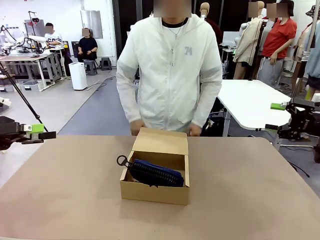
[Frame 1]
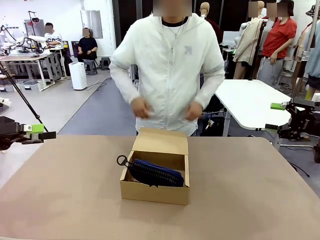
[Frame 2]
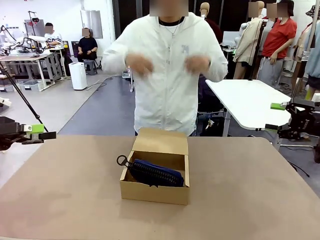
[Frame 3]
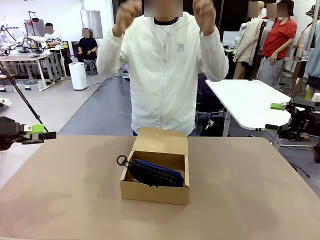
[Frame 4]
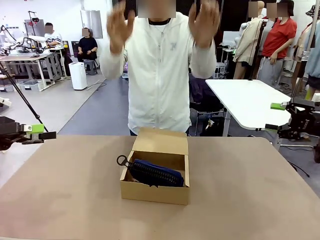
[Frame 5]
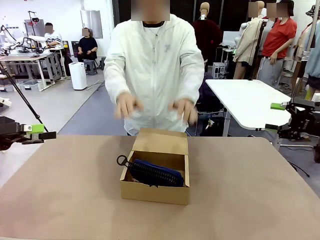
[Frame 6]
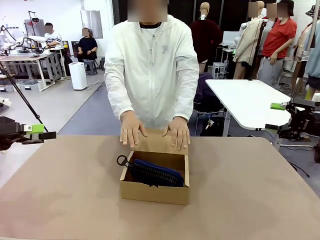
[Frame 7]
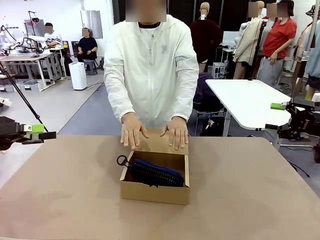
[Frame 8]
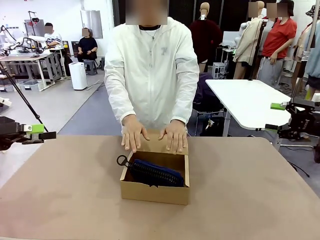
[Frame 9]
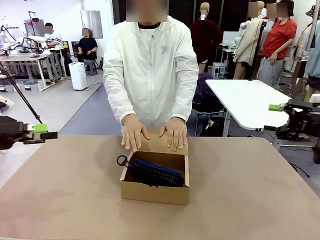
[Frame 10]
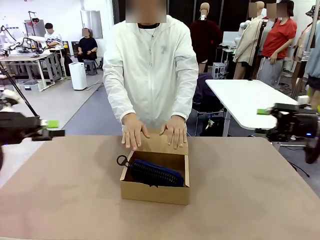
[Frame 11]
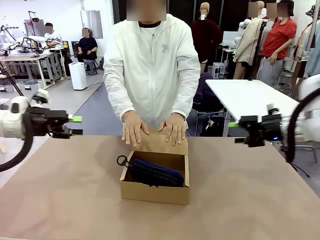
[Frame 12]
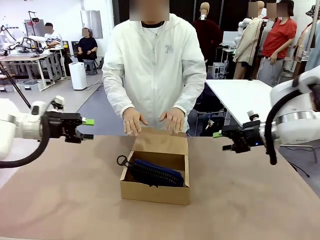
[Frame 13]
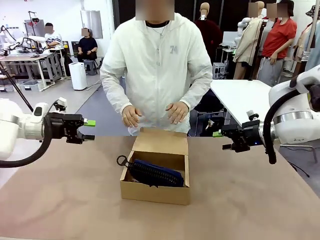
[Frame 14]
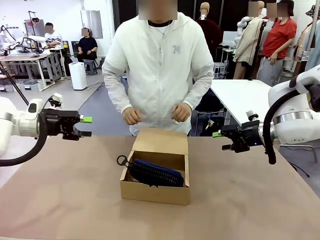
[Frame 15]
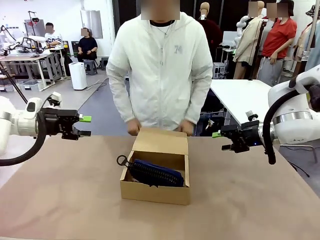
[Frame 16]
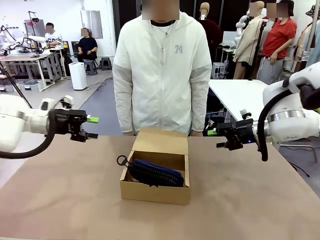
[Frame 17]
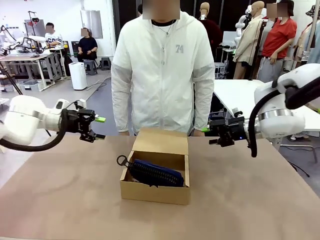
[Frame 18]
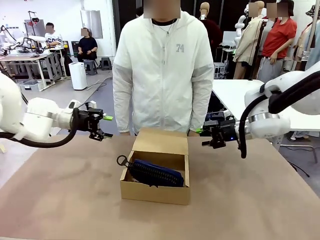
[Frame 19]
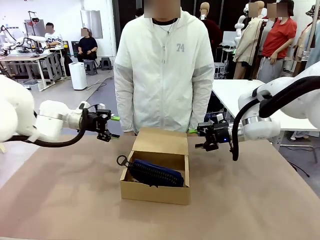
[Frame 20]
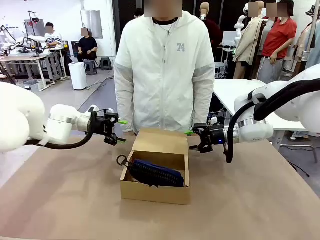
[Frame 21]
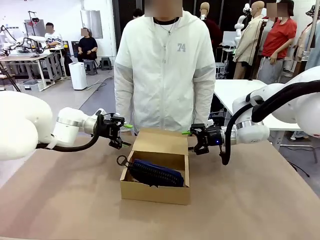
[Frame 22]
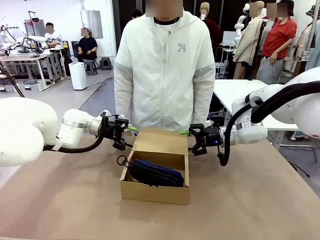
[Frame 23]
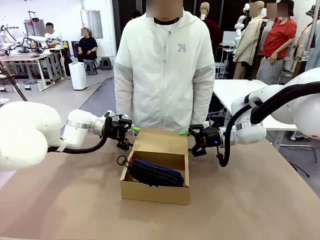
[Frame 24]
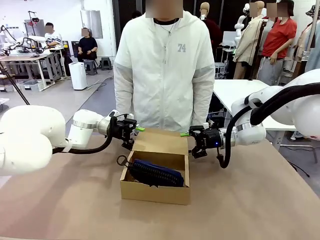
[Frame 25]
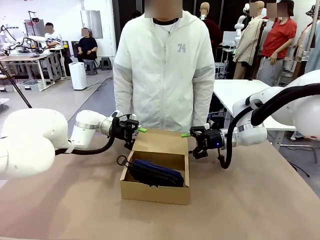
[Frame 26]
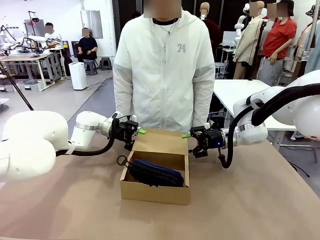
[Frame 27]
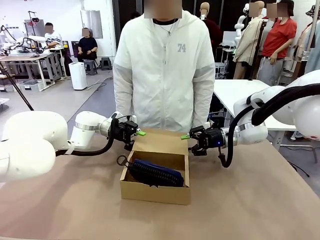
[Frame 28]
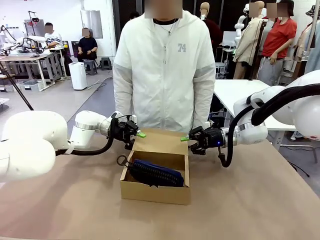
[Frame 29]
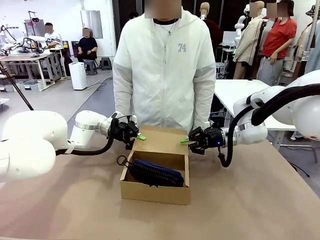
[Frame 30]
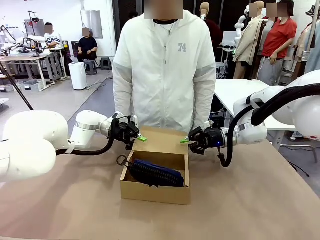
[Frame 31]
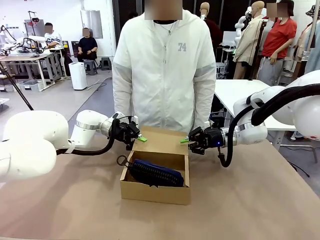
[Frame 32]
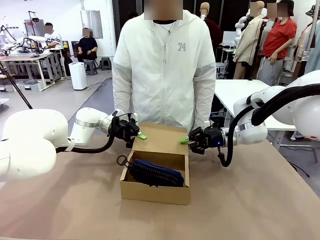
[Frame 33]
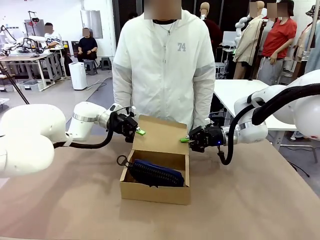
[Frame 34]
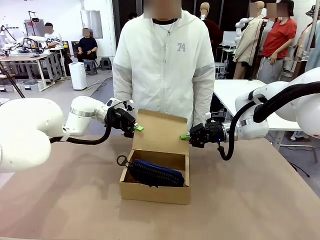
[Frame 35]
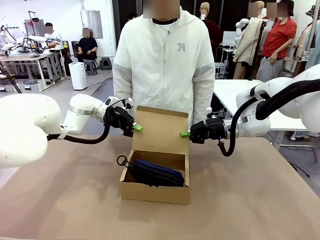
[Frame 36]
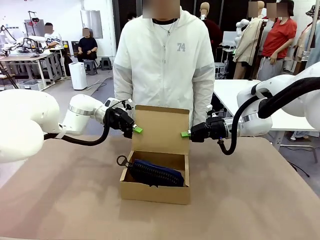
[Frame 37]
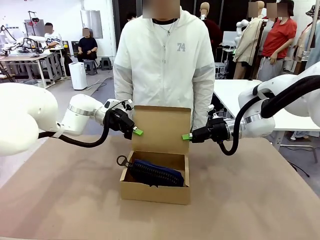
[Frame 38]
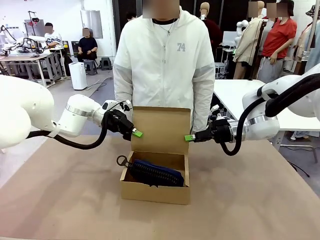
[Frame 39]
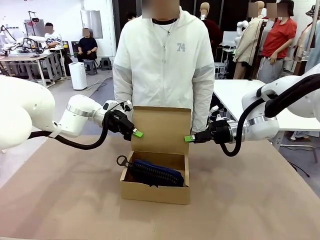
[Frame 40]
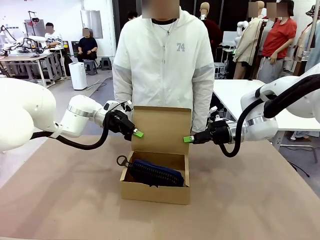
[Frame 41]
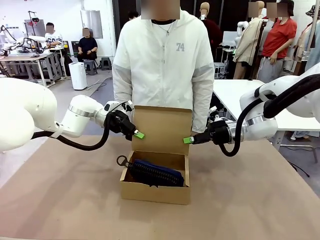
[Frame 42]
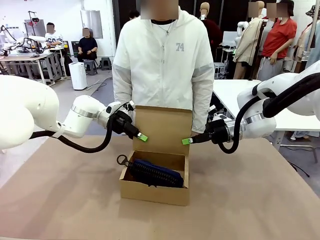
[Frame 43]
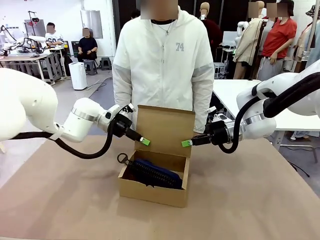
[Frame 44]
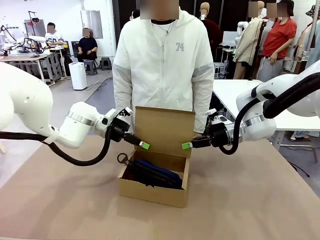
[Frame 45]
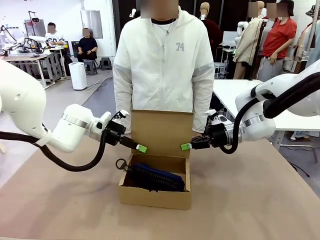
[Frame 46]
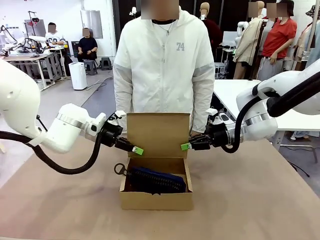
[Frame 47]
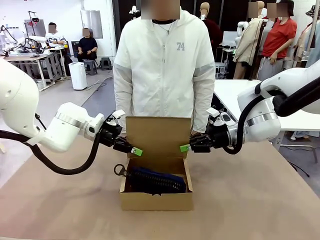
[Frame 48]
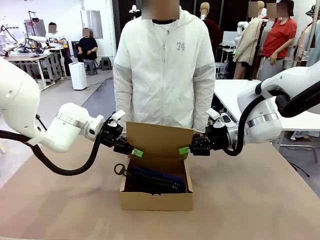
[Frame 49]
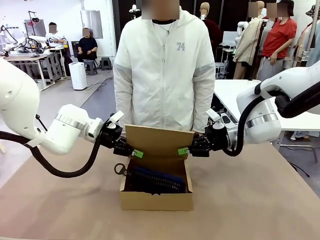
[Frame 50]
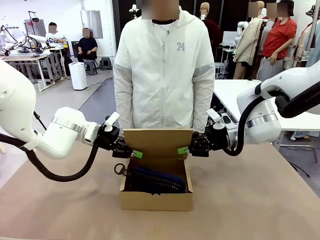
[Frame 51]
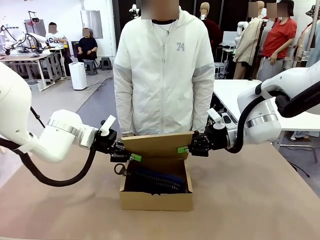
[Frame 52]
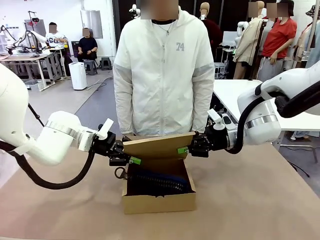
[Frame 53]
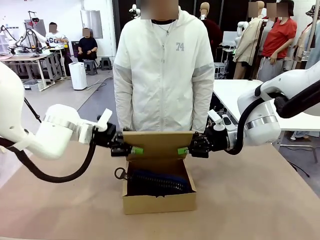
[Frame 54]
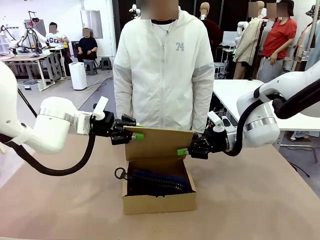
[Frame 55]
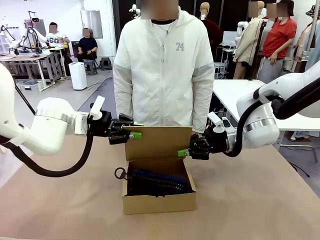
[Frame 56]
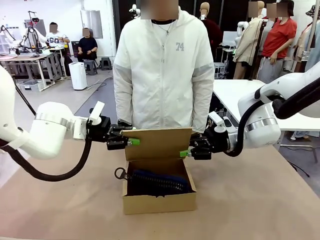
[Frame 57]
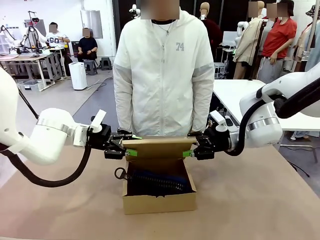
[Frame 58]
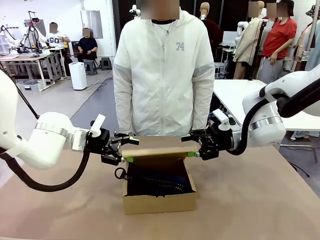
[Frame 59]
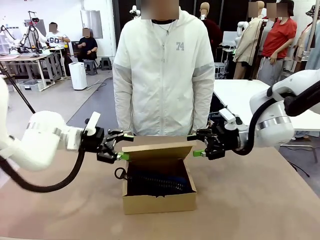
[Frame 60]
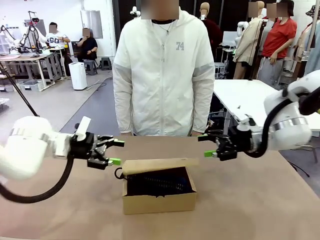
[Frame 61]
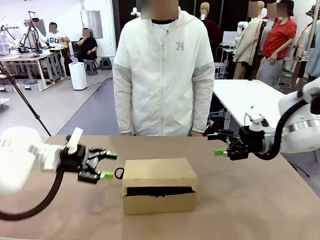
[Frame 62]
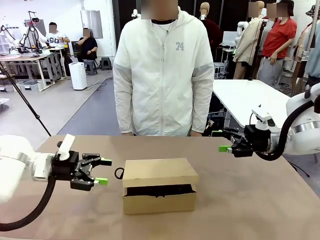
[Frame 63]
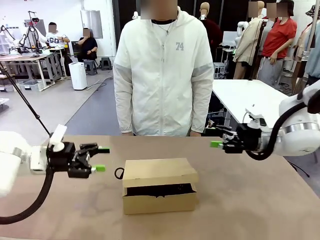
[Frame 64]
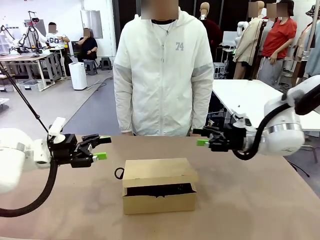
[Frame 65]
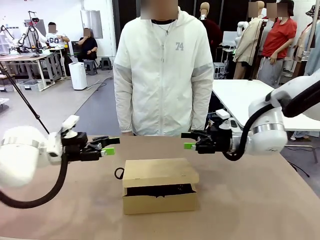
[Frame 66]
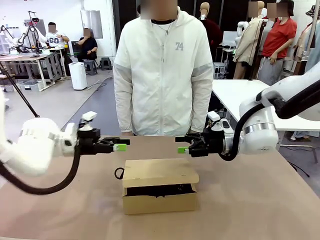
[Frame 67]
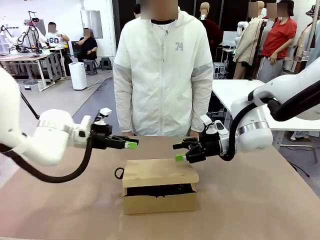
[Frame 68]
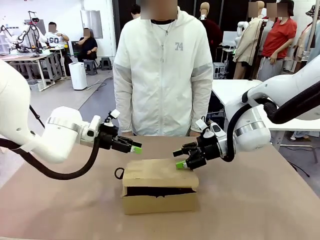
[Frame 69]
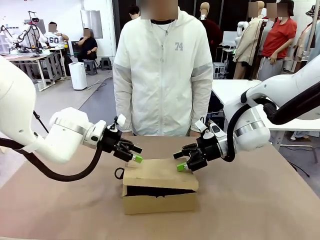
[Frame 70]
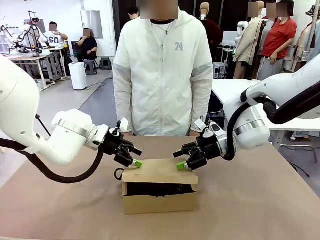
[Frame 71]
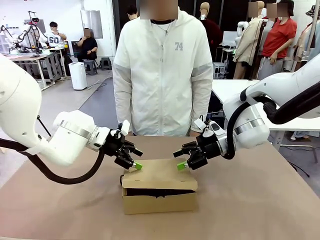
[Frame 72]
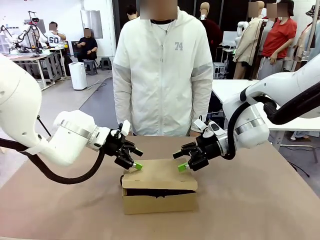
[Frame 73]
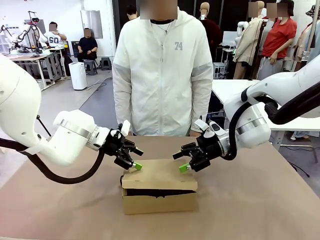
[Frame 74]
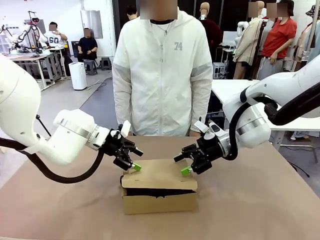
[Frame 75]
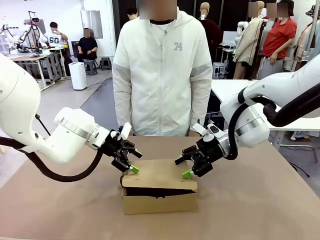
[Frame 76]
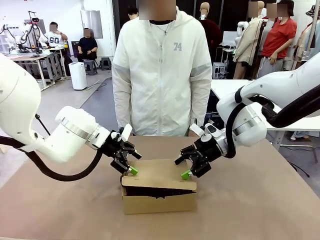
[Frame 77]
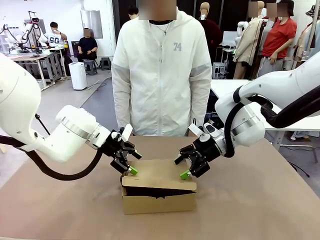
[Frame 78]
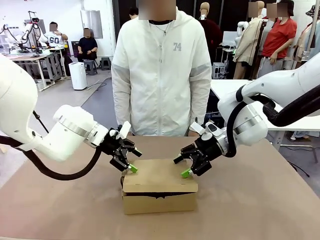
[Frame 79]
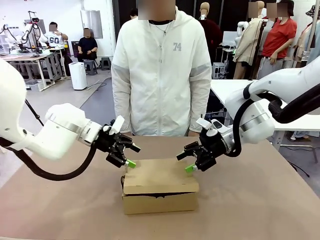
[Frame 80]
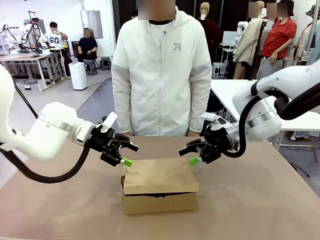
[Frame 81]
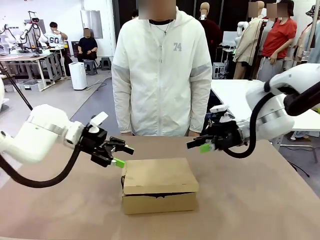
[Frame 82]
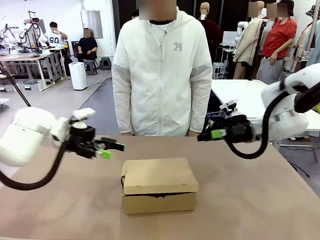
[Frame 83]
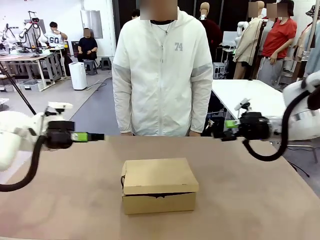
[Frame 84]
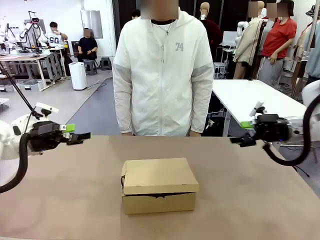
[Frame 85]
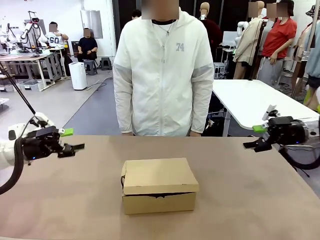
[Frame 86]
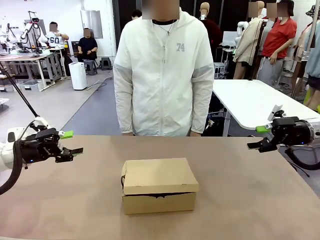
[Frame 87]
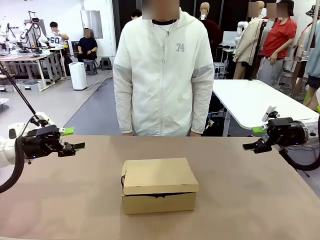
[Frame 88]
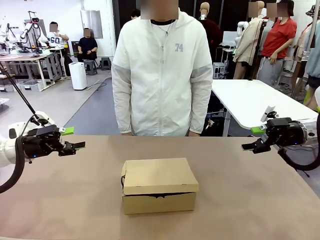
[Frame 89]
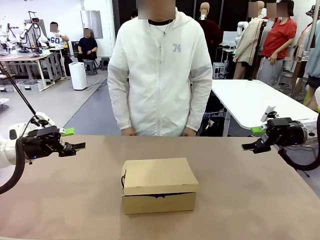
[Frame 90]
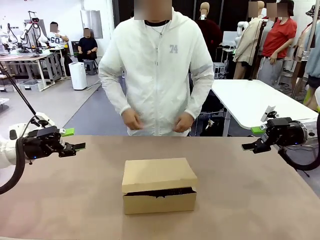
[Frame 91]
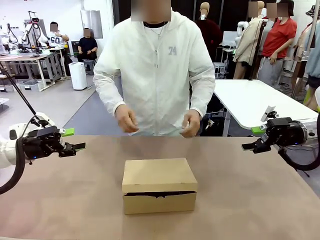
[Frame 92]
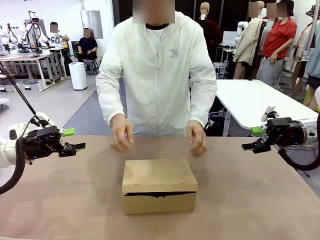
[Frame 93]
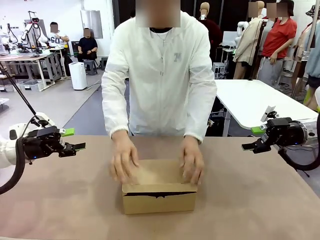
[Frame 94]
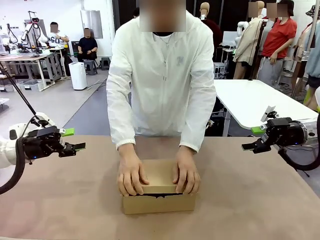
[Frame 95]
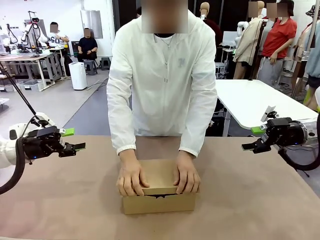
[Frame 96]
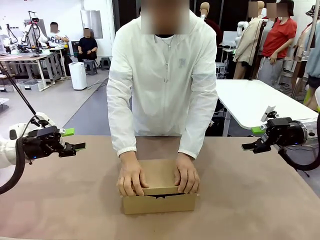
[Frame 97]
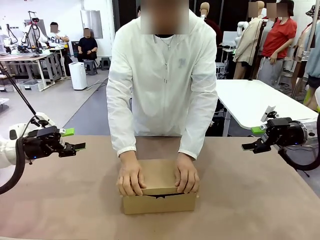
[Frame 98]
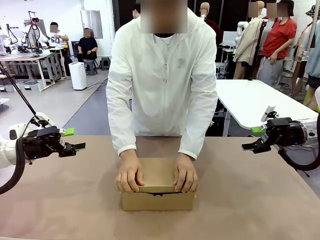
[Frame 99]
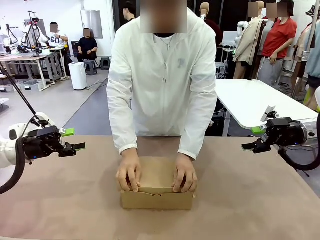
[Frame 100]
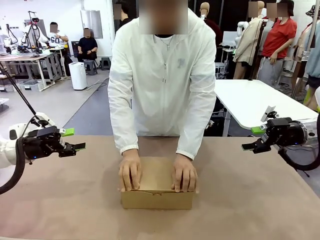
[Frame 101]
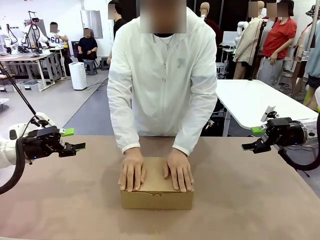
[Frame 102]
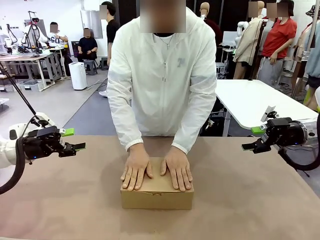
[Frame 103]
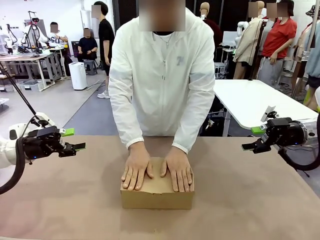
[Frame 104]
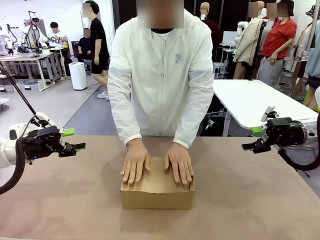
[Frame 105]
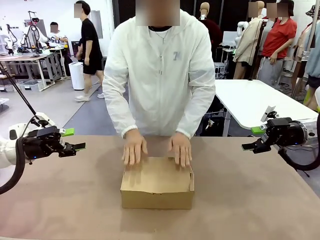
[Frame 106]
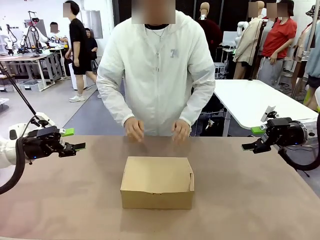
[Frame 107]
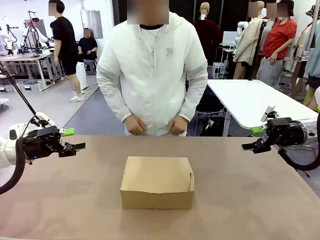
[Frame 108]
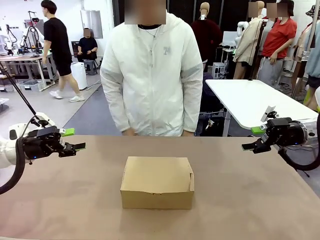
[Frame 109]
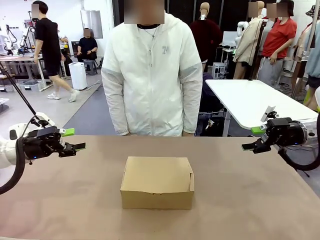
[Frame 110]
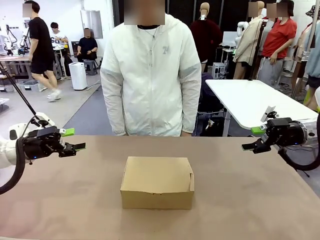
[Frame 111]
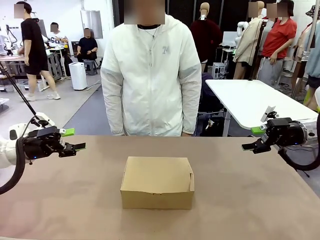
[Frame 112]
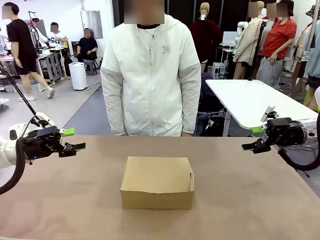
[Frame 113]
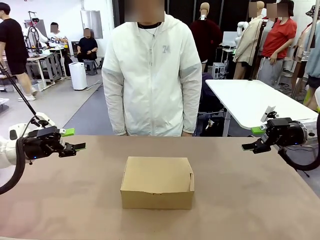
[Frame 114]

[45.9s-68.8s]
Task: Pack the items into the box.
Robot: Close the Mailer Box.
Person: Turn the box and lock it.
